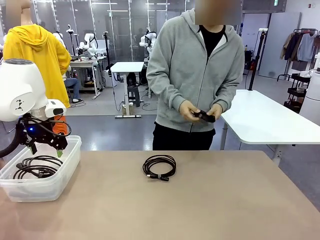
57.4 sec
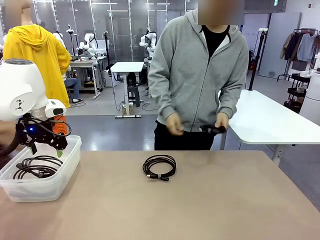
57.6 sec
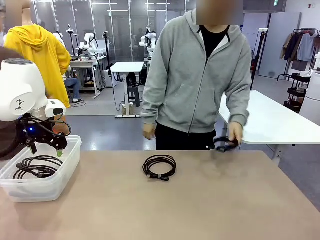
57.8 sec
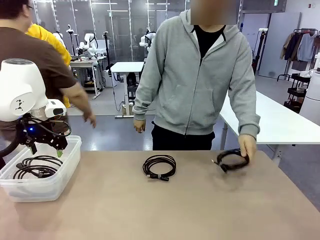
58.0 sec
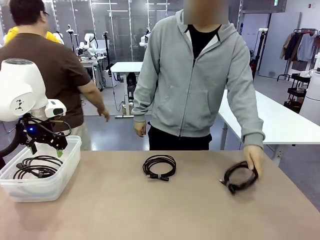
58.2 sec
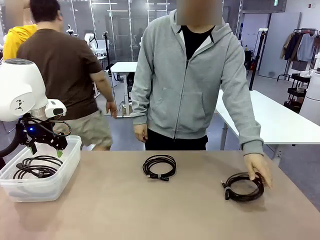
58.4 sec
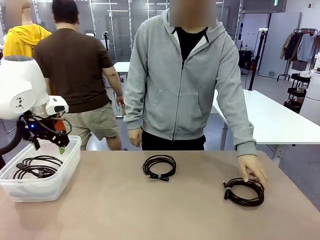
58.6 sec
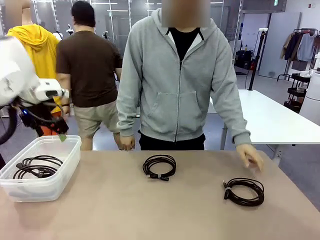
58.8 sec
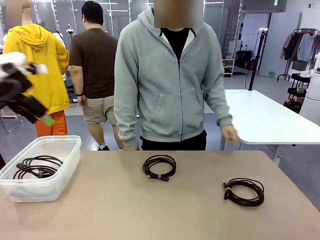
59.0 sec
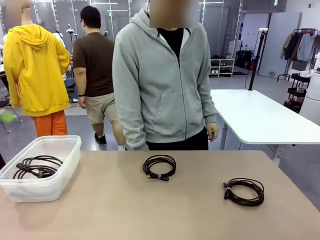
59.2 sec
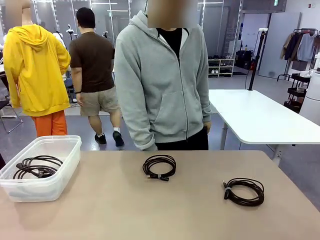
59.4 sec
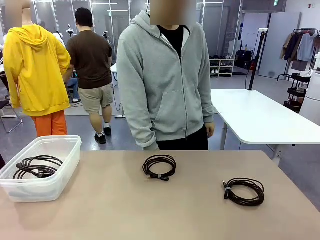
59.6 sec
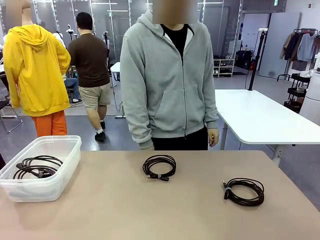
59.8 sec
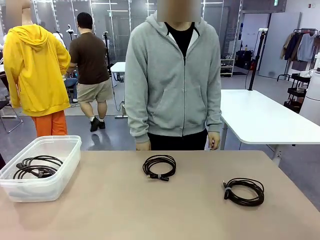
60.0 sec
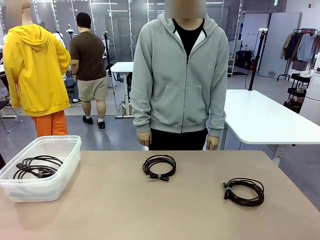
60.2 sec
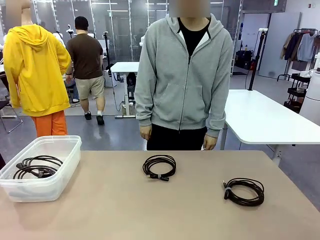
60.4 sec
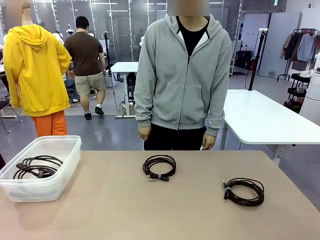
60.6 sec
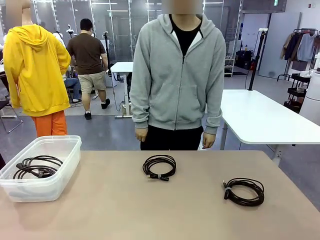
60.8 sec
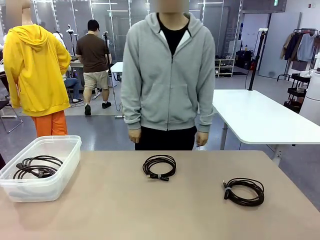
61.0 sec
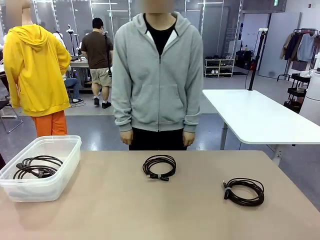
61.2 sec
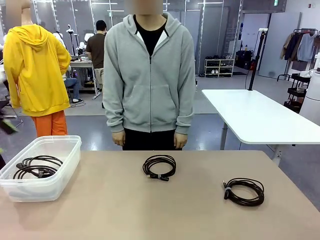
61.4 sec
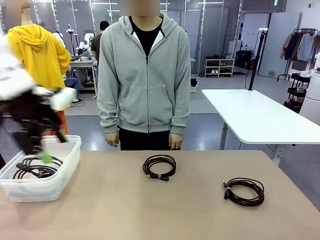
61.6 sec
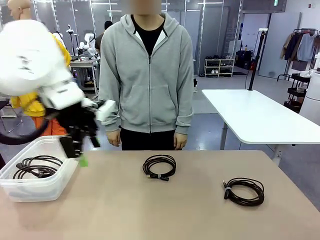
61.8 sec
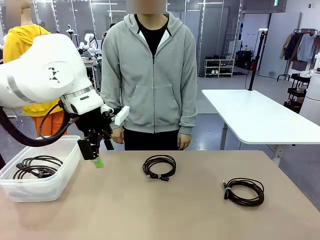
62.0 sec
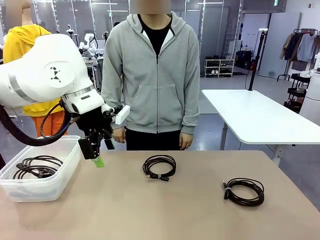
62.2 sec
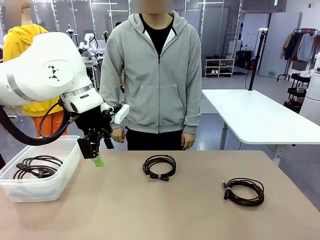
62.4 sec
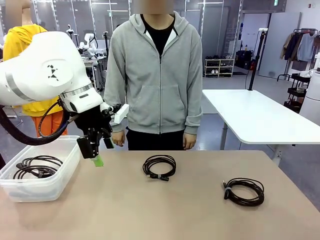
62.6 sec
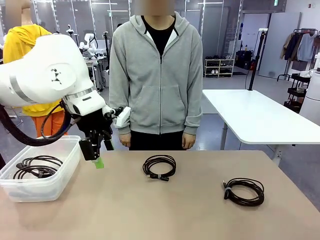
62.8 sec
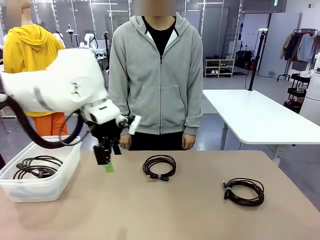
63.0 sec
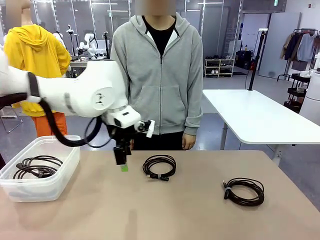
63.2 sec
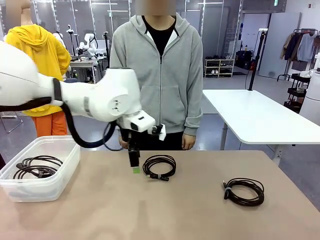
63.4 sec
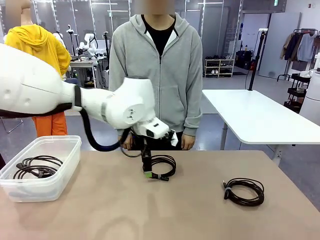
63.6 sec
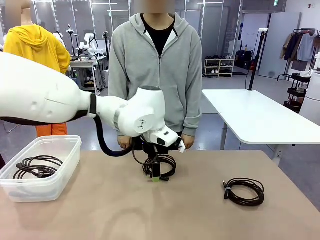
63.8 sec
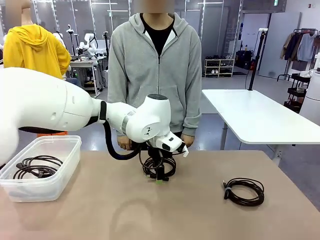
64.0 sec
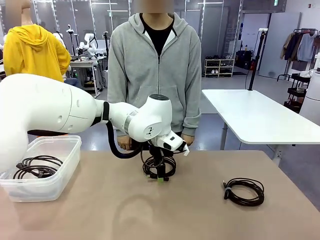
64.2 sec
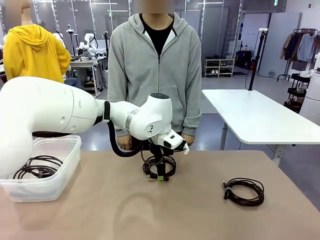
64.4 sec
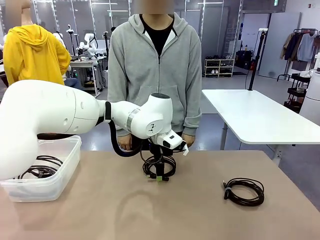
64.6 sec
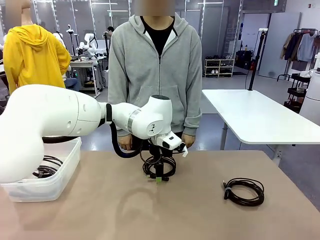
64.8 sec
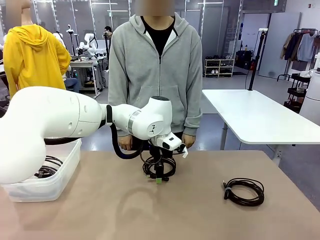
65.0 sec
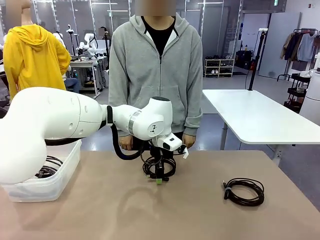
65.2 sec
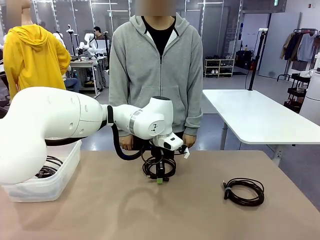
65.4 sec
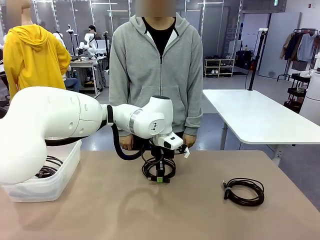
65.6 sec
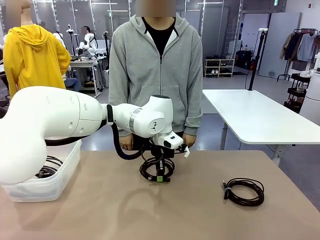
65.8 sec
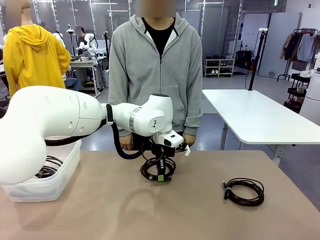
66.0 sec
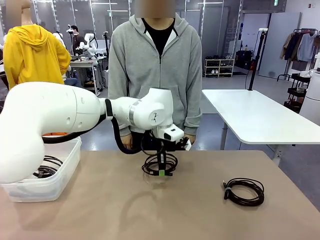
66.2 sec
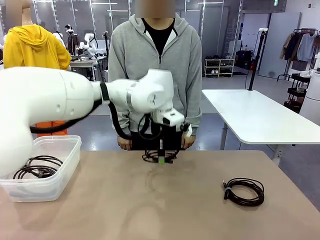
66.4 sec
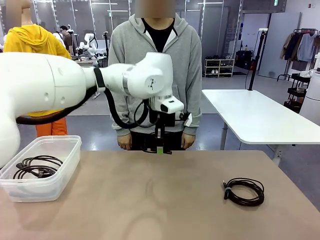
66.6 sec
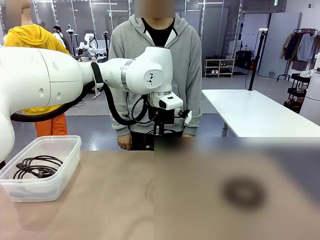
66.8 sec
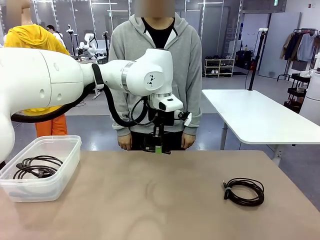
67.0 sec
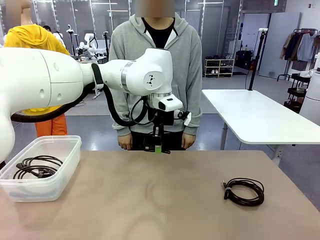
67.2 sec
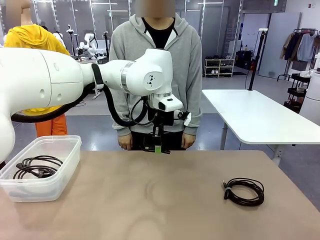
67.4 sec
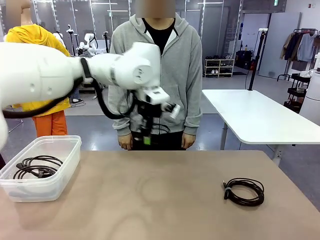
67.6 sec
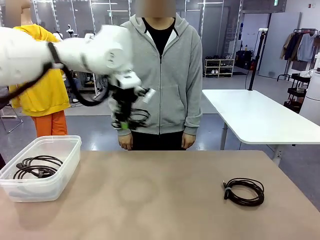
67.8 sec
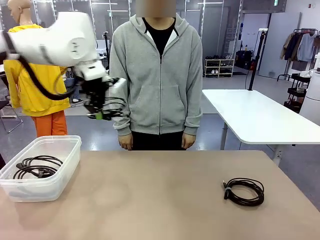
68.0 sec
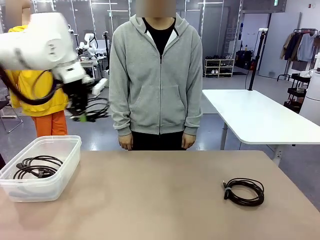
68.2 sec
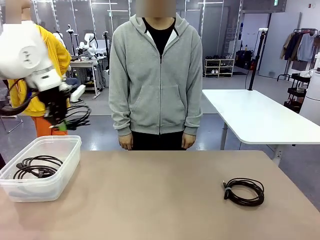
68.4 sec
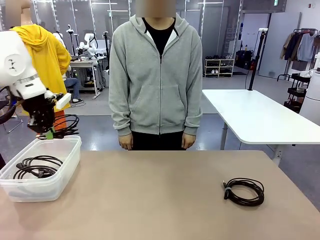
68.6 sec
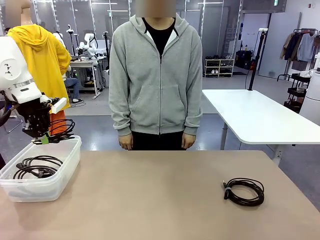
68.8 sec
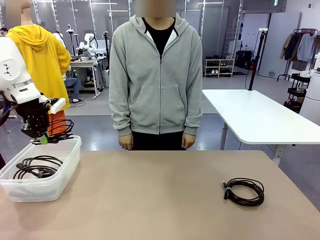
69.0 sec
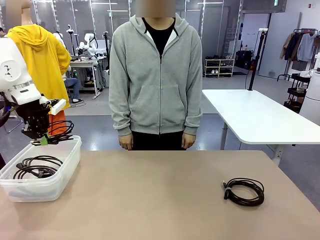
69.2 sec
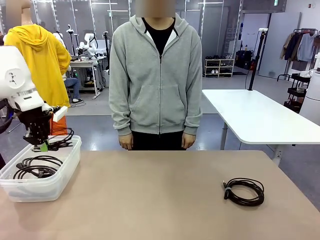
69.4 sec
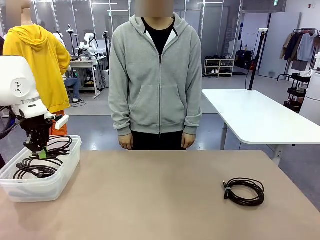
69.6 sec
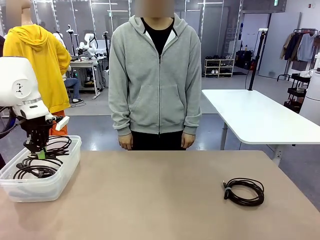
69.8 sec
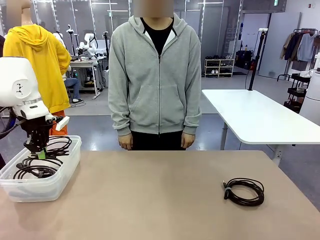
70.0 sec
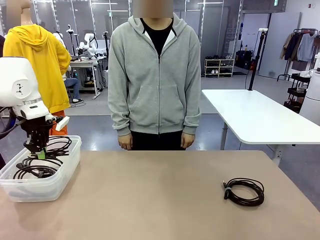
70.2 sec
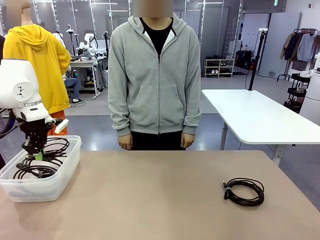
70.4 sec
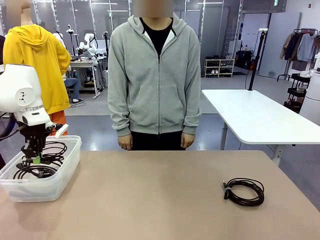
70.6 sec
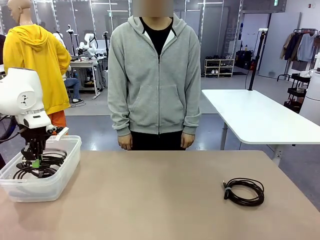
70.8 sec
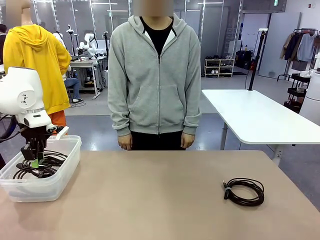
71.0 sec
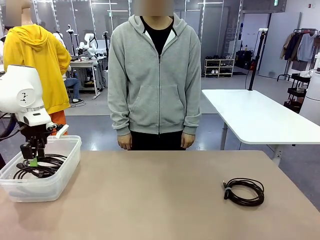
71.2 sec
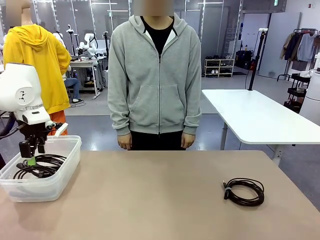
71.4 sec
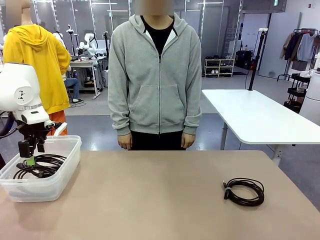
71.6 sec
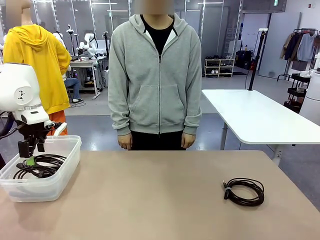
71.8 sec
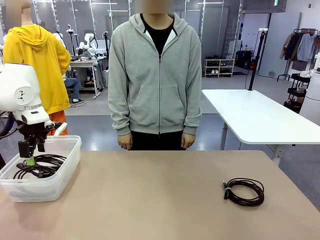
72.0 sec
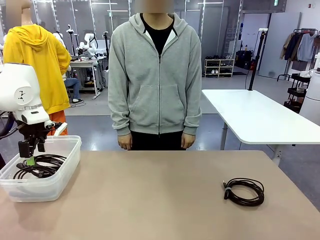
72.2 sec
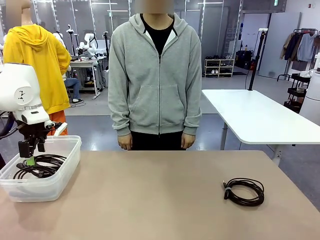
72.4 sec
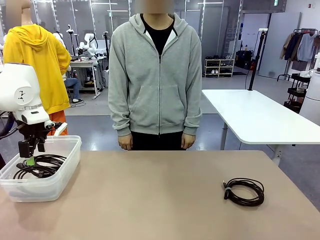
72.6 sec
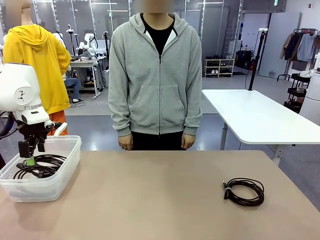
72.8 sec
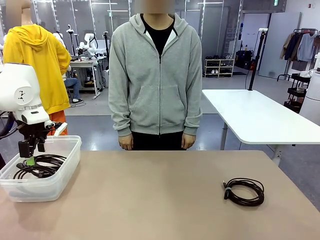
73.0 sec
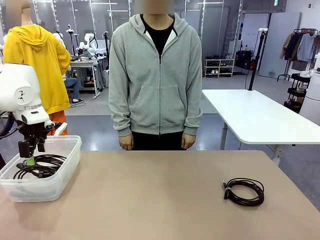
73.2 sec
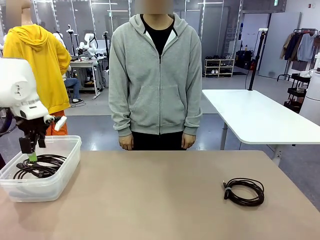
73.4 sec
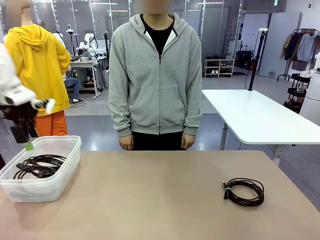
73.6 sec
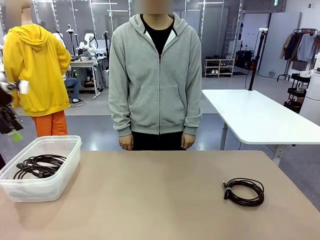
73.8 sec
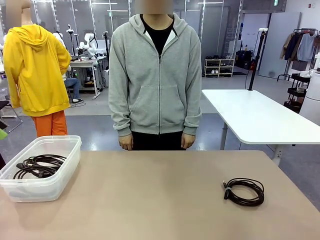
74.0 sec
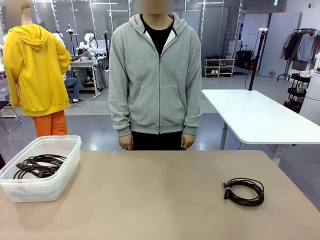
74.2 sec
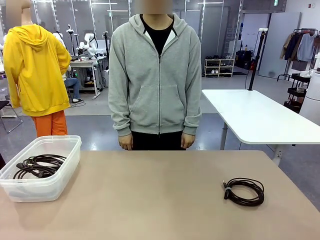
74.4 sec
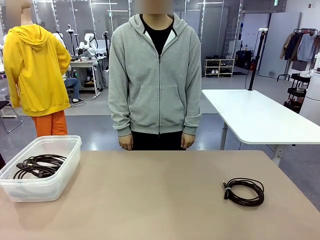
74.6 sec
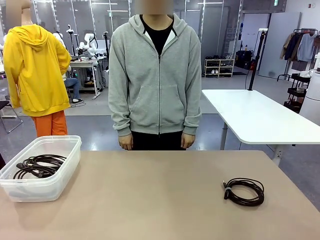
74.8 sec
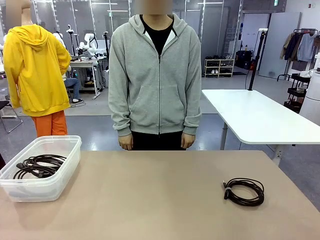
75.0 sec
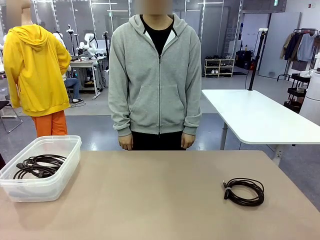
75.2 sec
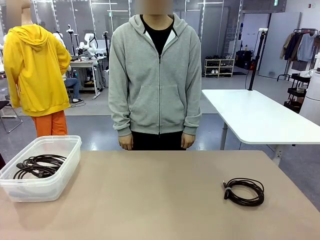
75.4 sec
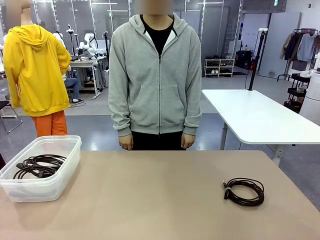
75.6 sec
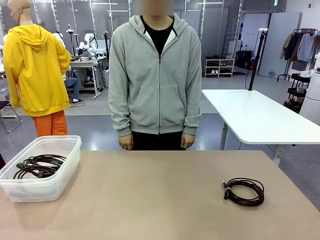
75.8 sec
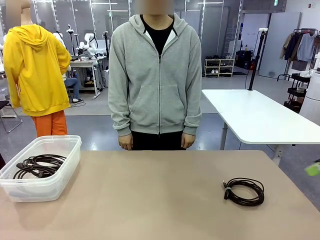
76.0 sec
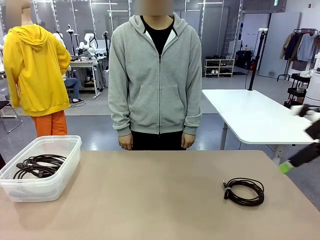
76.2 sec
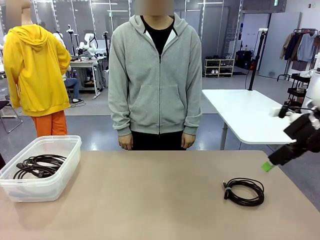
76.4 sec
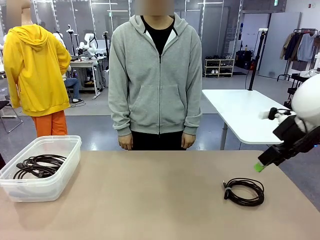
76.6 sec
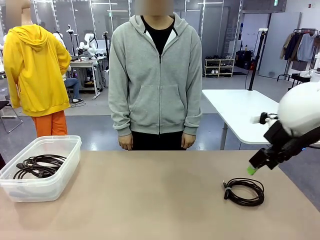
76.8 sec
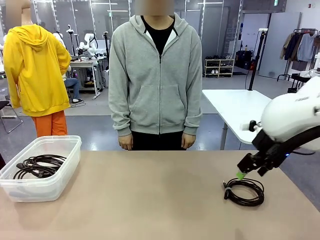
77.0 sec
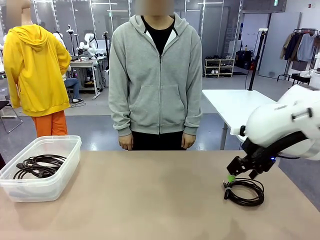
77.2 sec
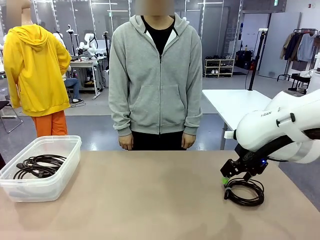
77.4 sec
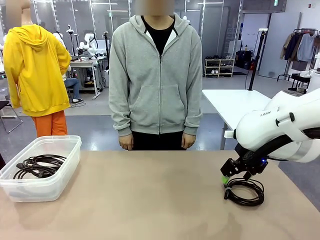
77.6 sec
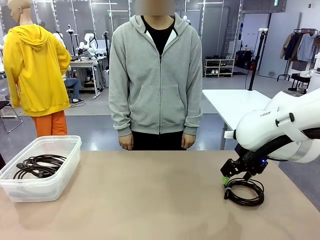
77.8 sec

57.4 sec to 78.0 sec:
Task: Organize and store the cables.
Robot: Place the USB Extension Cable into the Organizing box.
